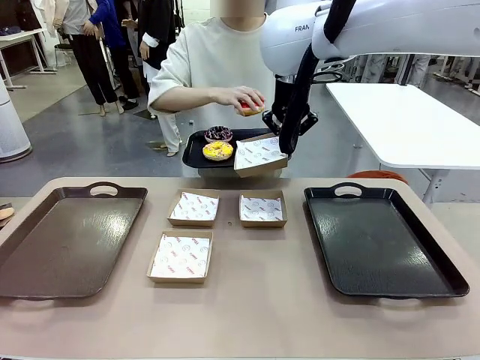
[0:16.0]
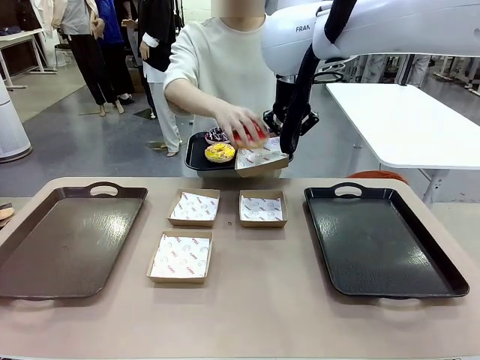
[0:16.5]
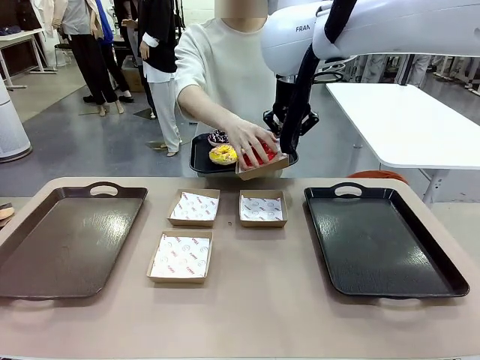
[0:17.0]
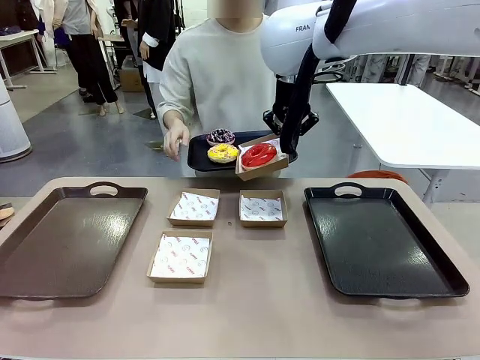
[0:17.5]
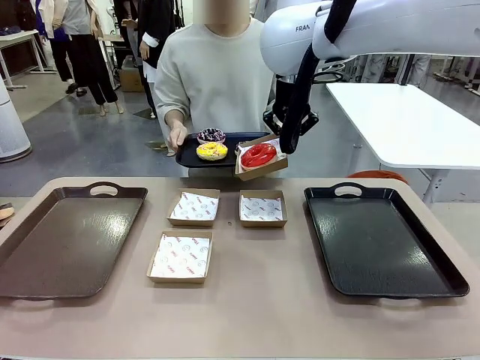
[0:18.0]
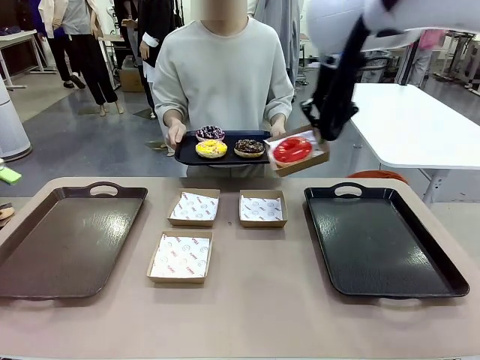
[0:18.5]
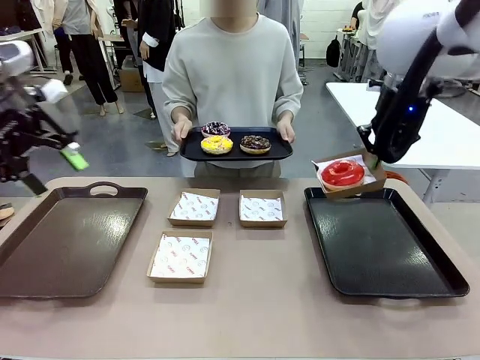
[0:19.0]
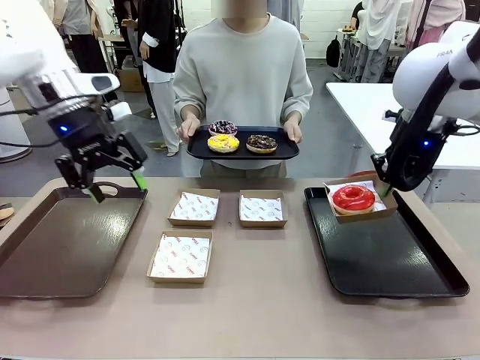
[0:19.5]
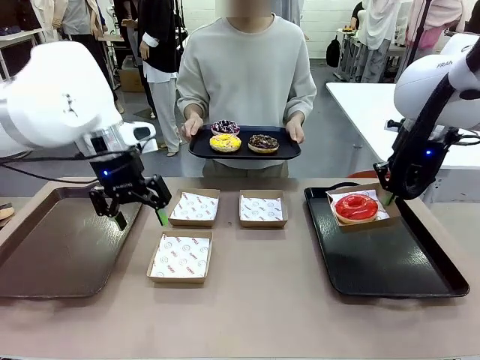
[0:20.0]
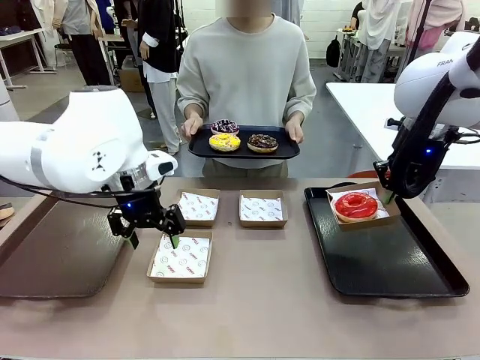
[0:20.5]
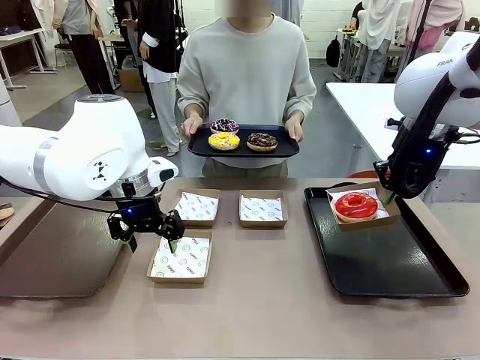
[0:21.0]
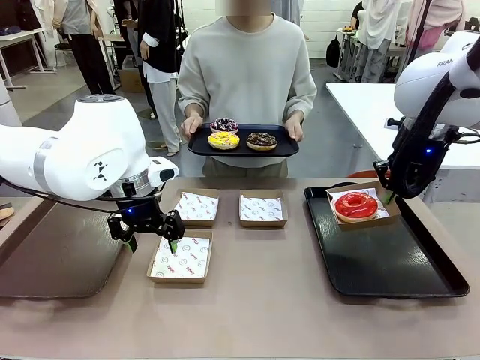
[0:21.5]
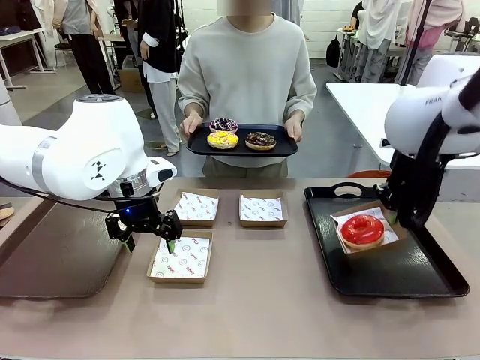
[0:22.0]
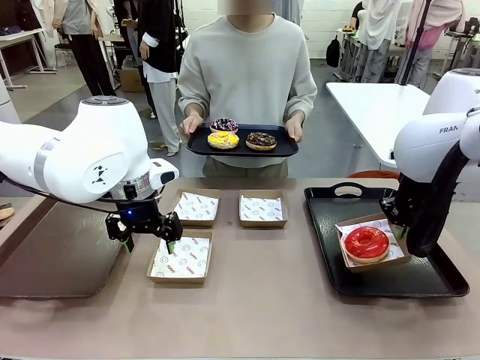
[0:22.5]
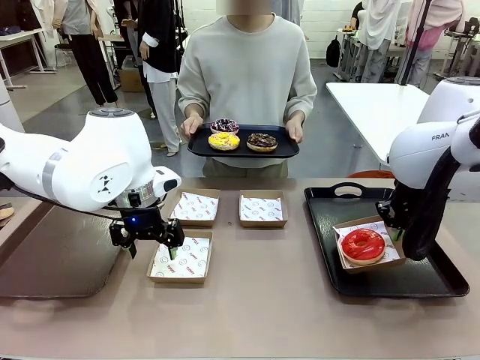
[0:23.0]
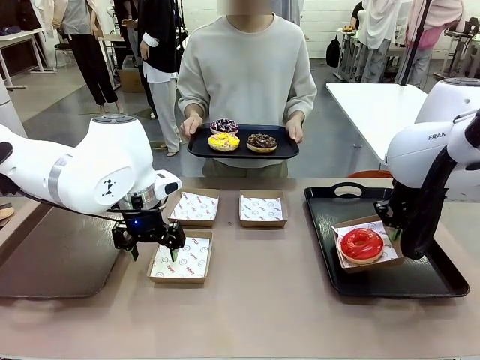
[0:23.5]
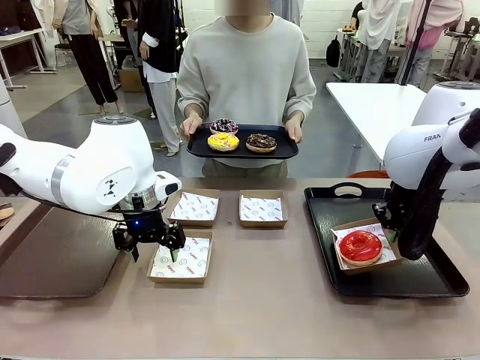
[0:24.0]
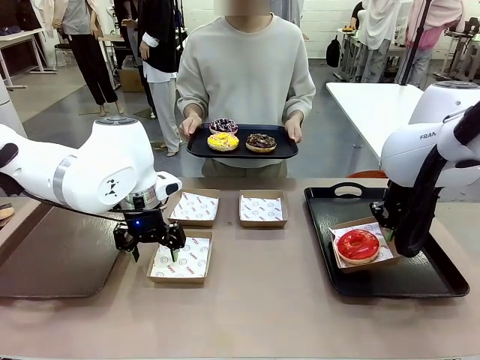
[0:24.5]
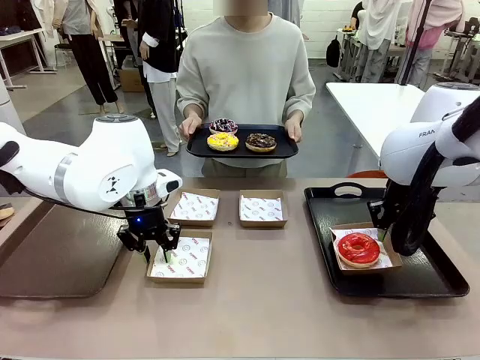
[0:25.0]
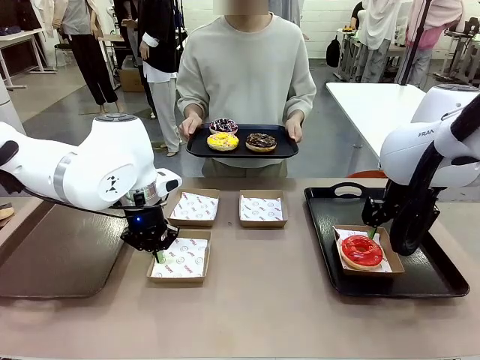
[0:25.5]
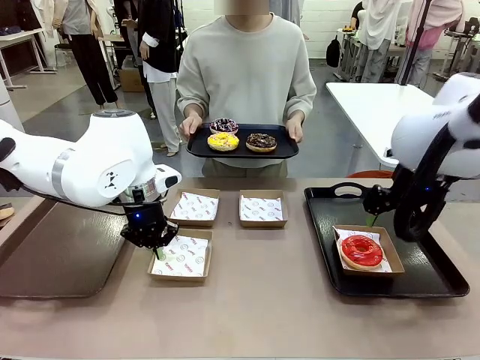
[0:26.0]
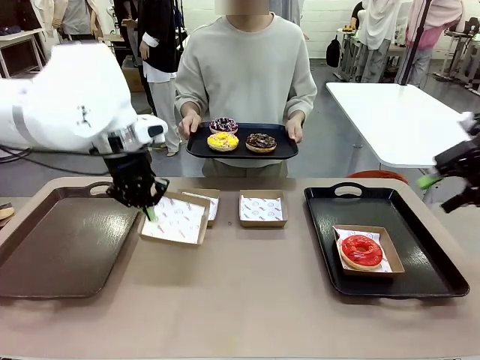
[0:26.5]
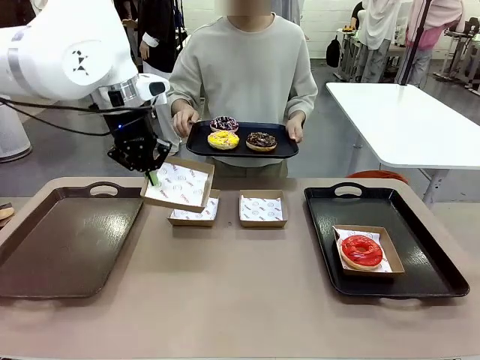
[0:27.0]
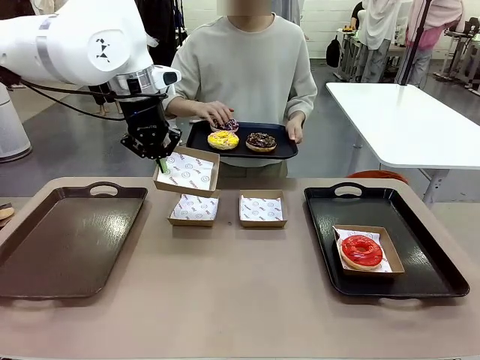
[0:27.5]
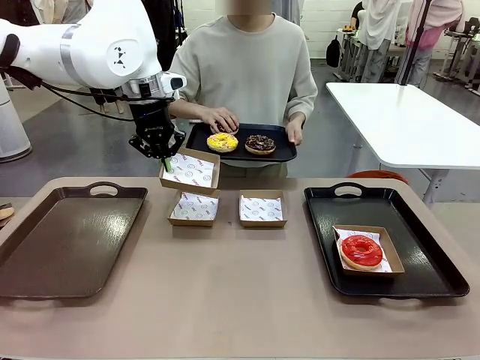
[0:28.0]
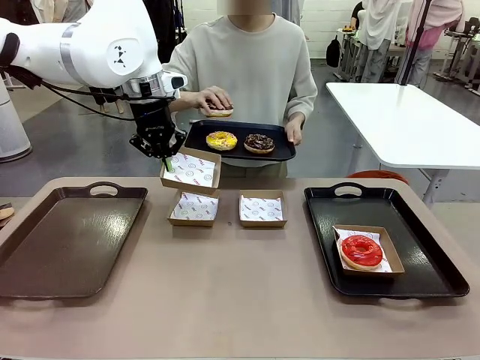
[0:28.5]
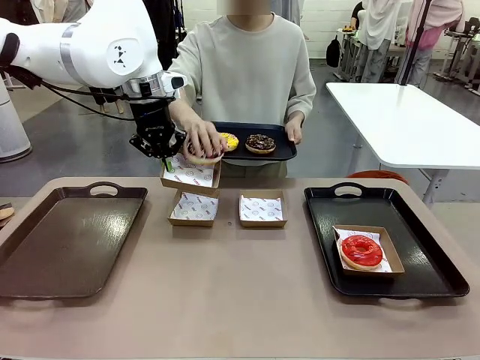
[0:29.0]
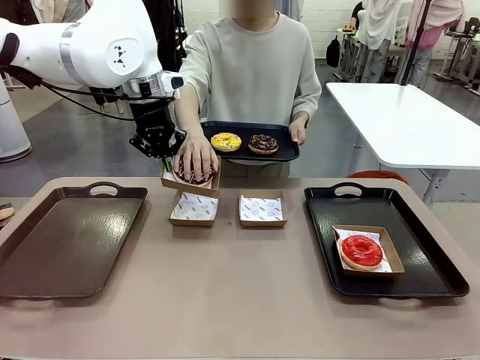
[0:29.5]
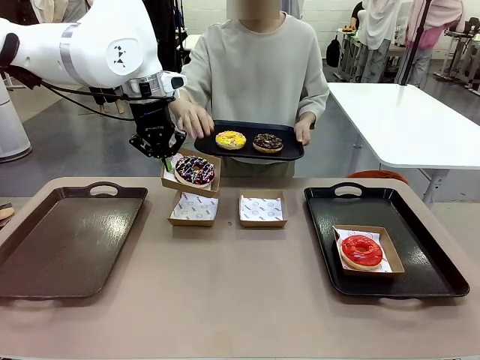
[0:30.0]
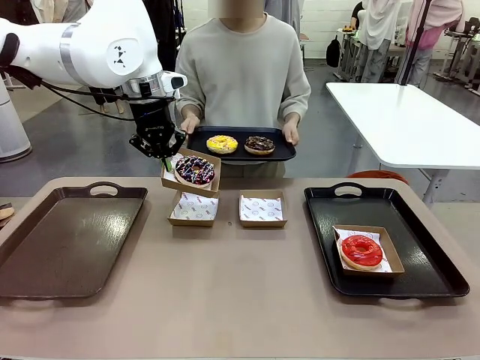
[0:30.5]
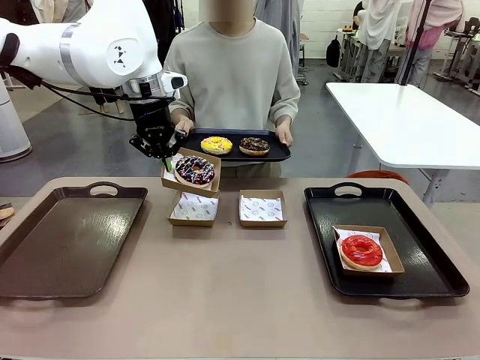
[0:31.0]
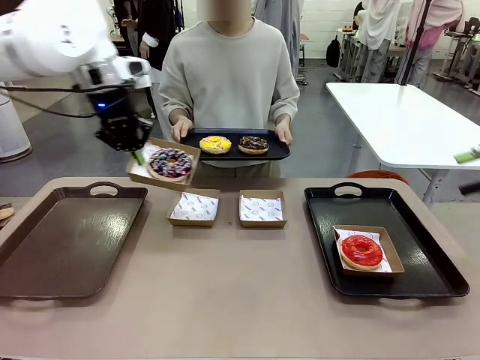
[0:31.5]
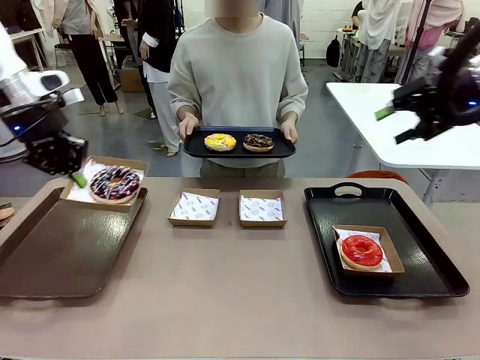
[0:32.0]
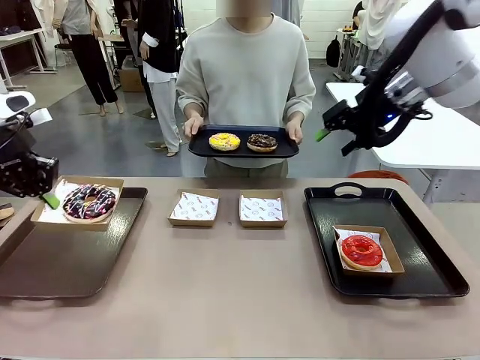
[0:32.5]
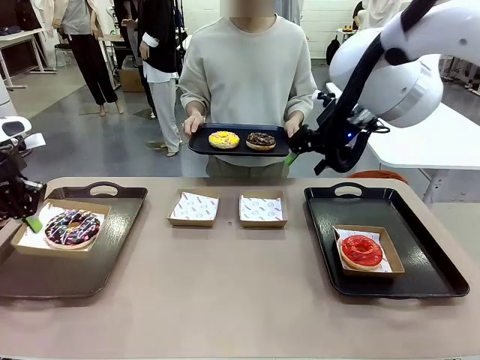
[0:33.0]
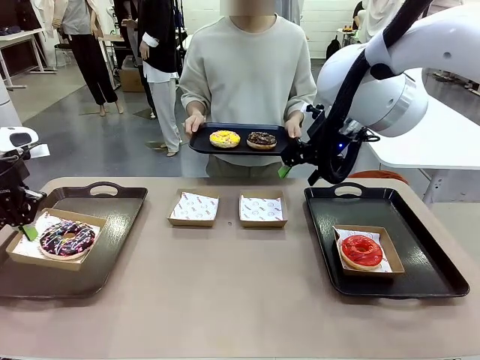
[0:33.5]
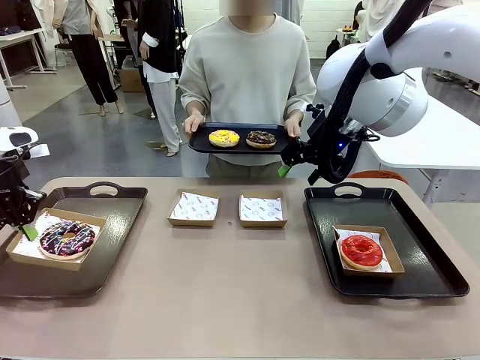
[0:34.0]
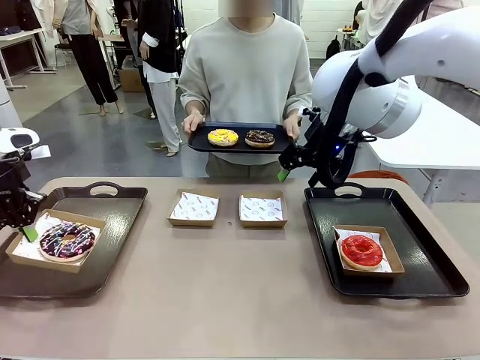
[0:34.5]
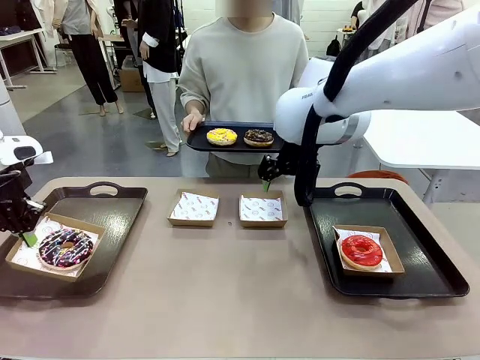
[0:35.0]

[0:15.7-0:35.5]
Task: Individually package the donuts and arrange them on the tray.
Robot: Place the picked Paper togo box on the Handle tray while simultaneously picking up another Paper togo box from the table with the other hand.

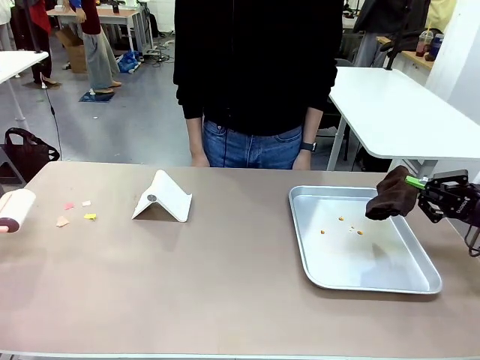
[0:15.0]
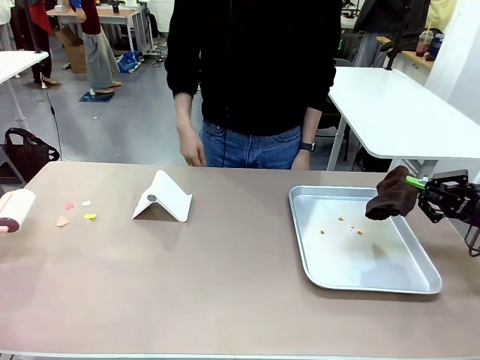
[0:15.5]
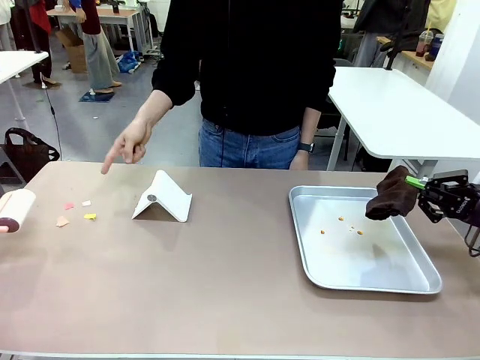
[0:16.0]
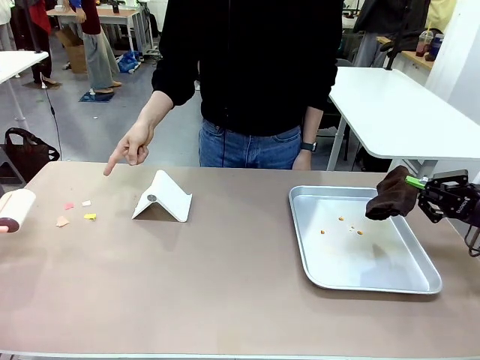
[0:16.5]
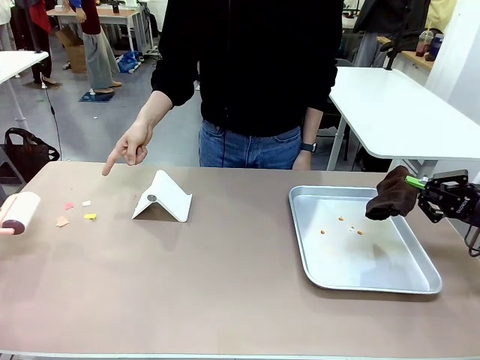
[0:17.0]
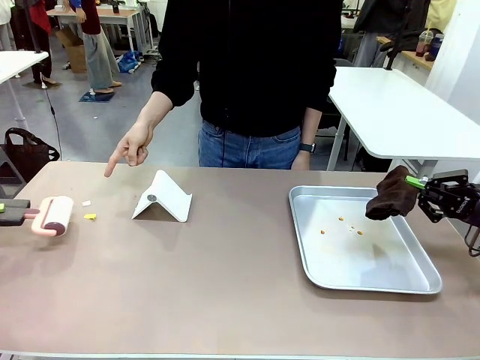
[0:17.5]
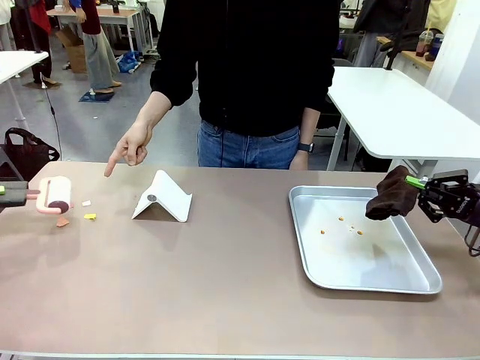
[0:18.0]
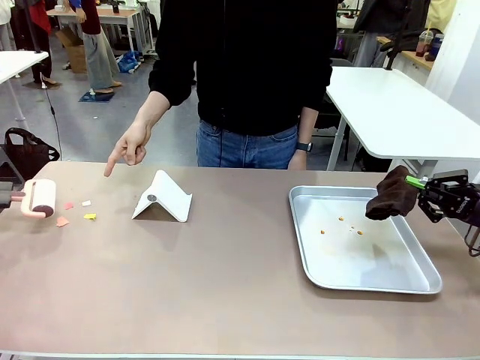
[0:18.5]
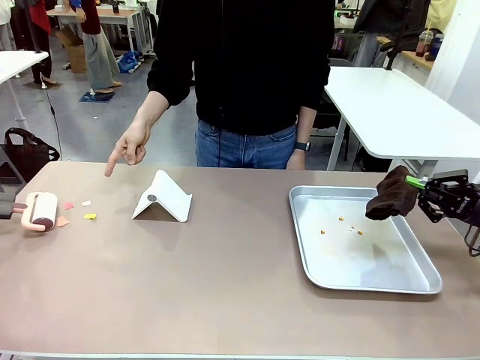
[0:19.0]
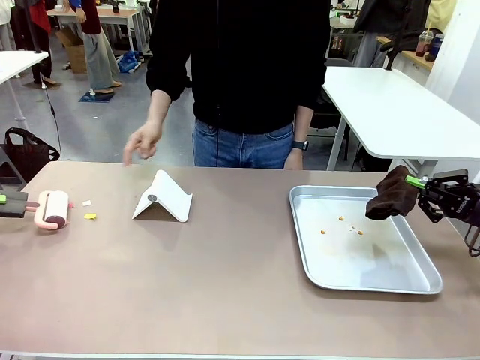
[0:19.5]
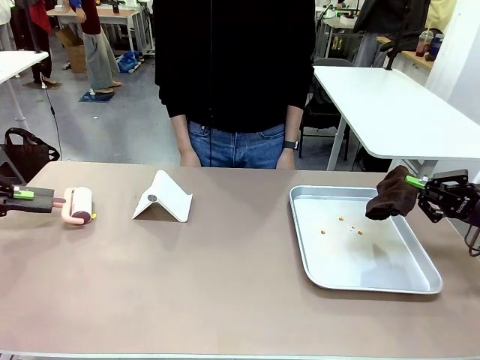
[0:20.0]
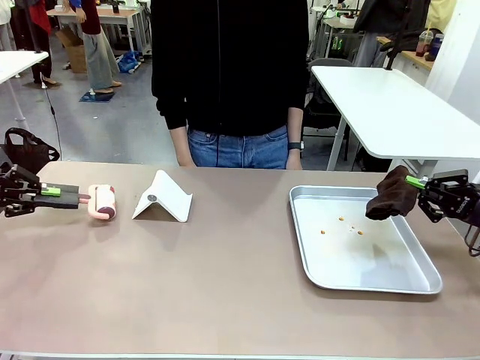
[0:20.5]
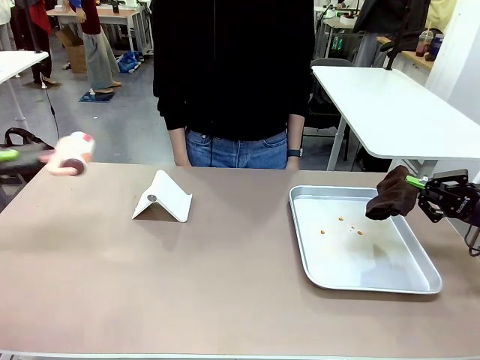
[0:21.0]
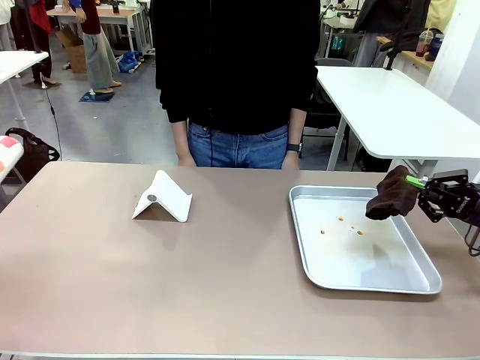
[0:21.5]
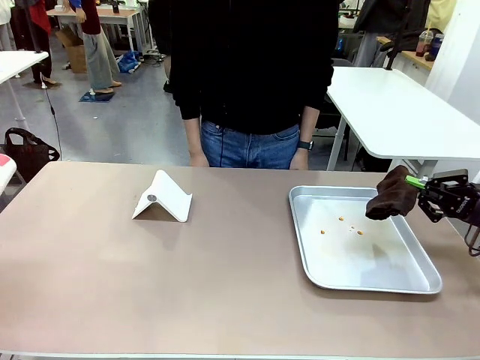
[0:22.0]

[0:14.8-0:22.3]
Task: Clean the surface of the table.
Robot: If a person points to the right, clean the right side of the table with your right hand, and if they point to the left, clean the left side with your left hand.
